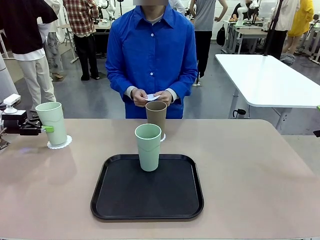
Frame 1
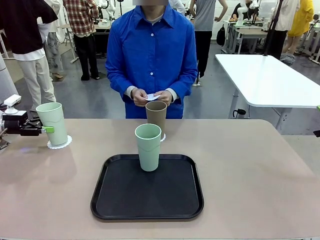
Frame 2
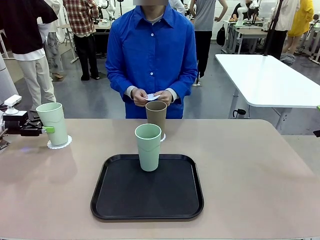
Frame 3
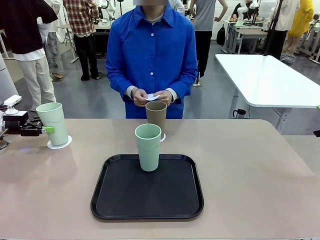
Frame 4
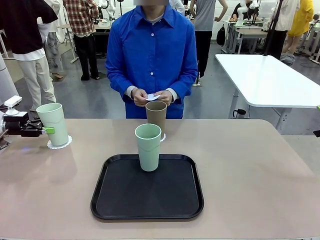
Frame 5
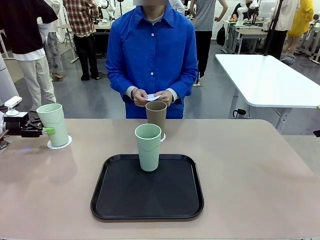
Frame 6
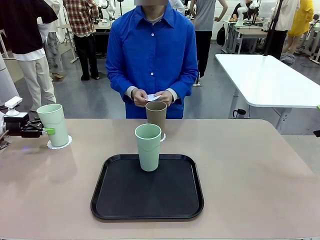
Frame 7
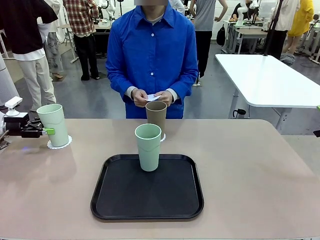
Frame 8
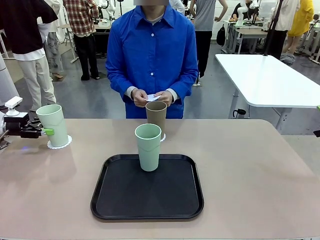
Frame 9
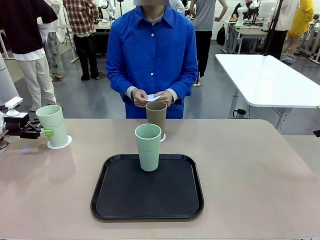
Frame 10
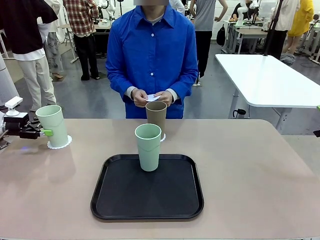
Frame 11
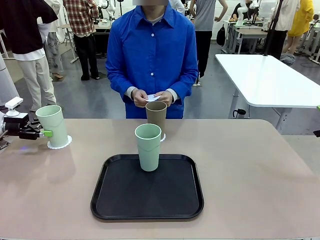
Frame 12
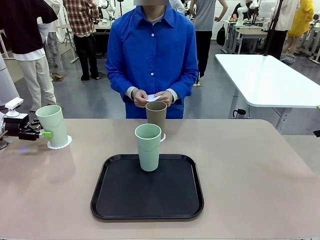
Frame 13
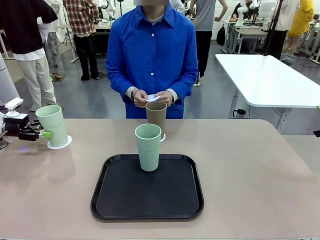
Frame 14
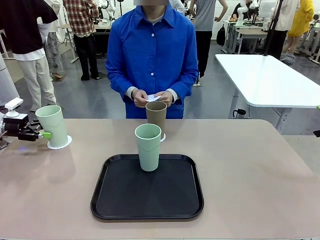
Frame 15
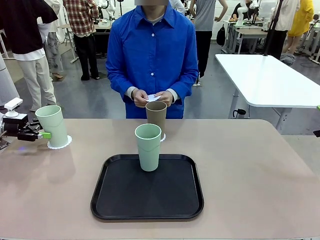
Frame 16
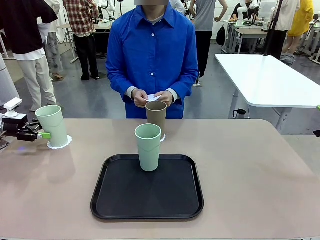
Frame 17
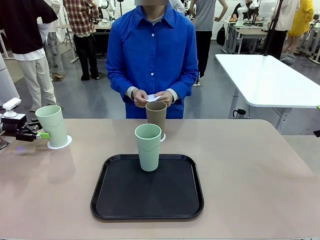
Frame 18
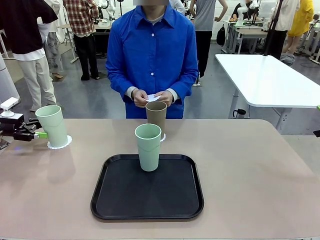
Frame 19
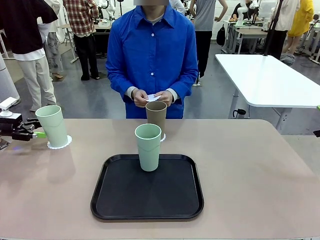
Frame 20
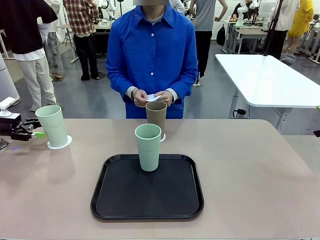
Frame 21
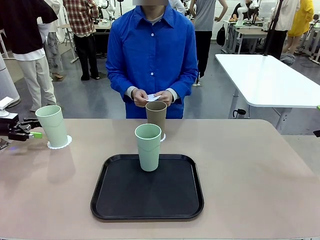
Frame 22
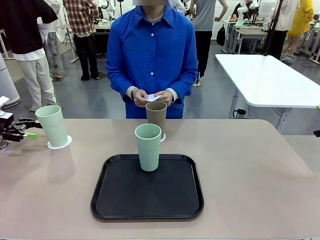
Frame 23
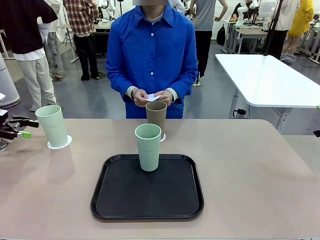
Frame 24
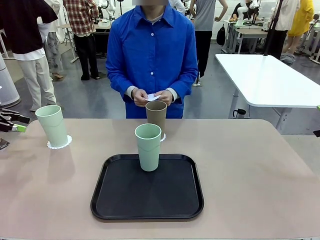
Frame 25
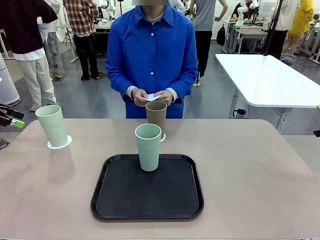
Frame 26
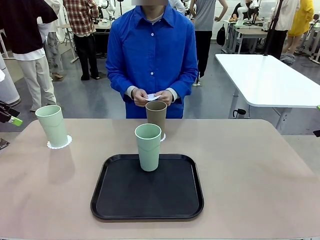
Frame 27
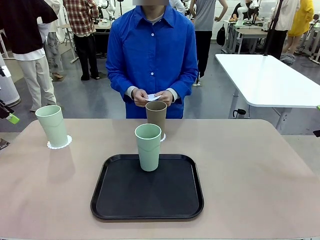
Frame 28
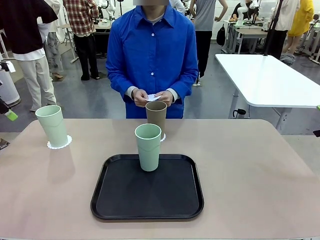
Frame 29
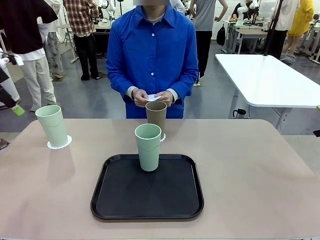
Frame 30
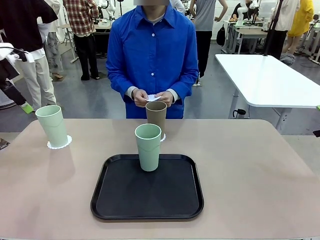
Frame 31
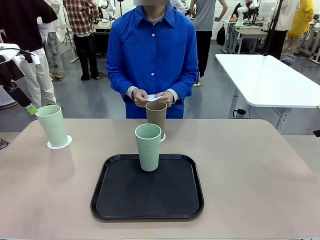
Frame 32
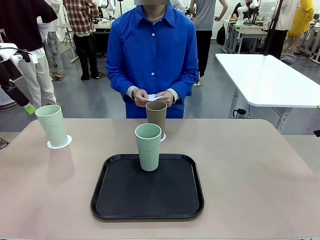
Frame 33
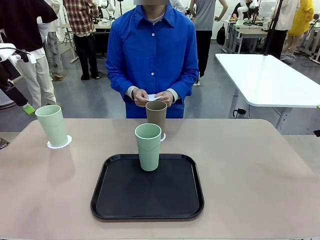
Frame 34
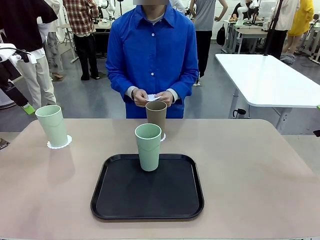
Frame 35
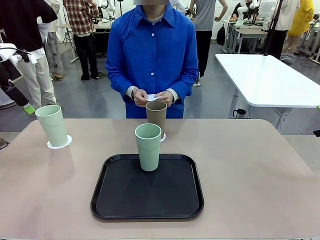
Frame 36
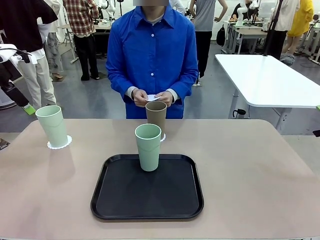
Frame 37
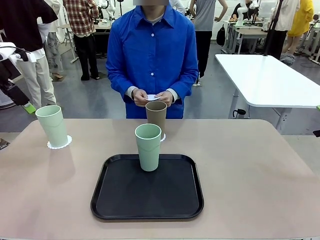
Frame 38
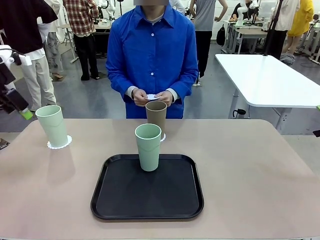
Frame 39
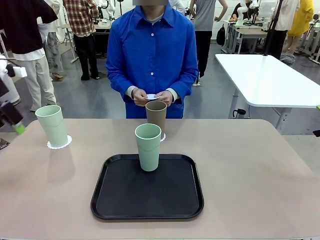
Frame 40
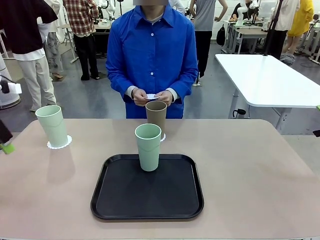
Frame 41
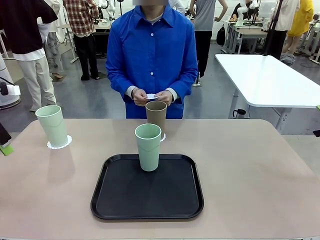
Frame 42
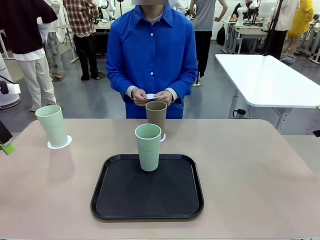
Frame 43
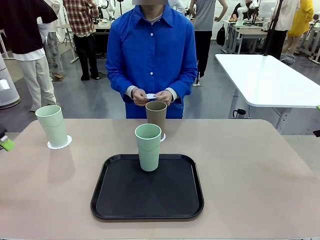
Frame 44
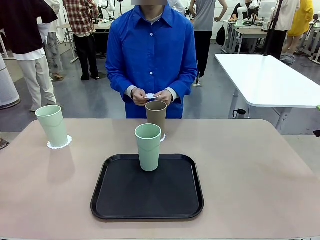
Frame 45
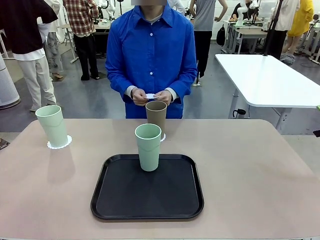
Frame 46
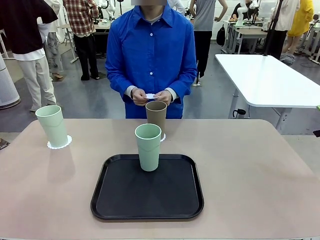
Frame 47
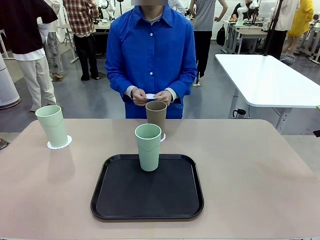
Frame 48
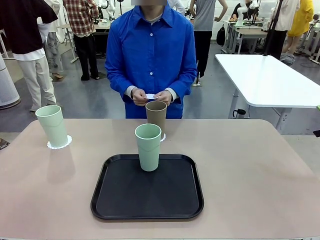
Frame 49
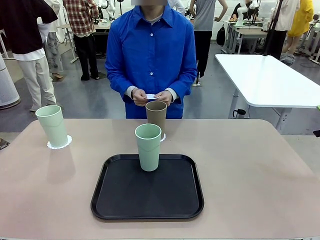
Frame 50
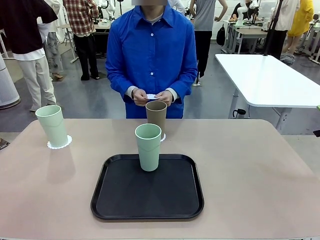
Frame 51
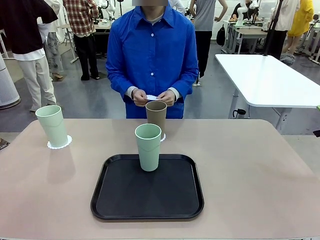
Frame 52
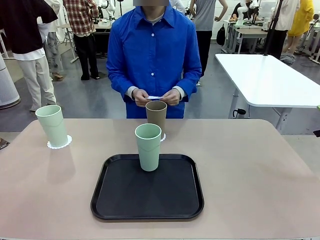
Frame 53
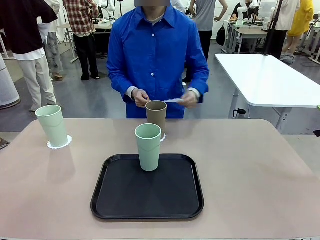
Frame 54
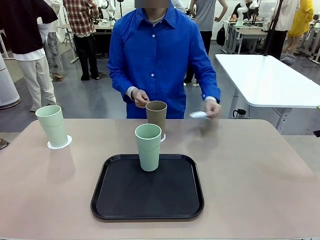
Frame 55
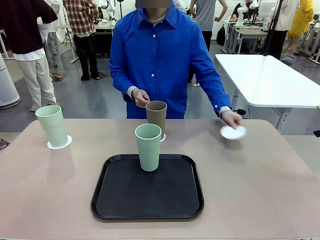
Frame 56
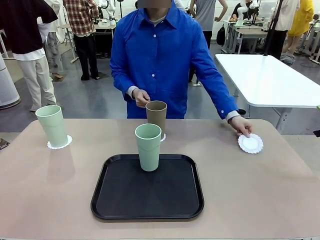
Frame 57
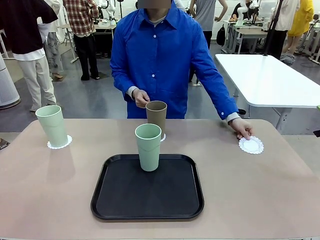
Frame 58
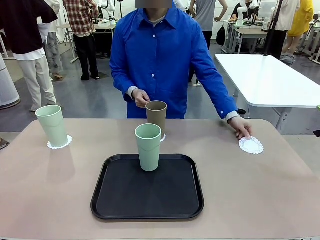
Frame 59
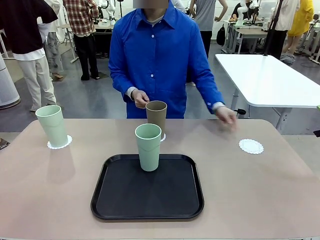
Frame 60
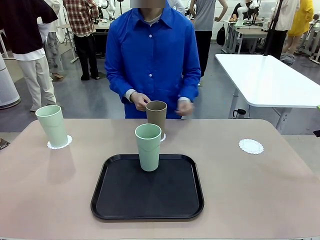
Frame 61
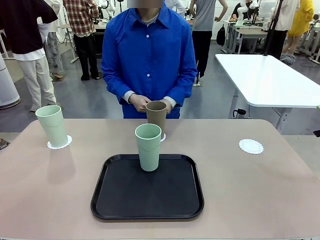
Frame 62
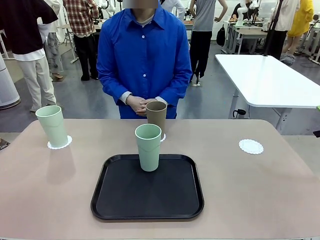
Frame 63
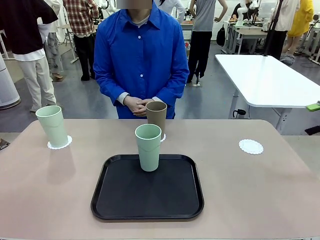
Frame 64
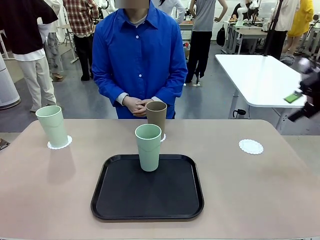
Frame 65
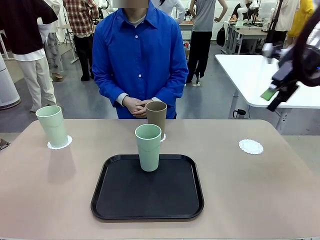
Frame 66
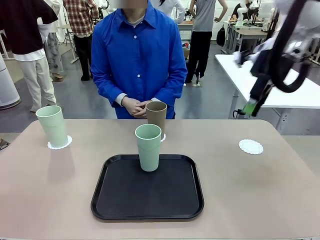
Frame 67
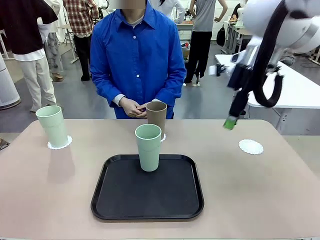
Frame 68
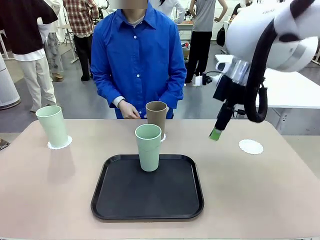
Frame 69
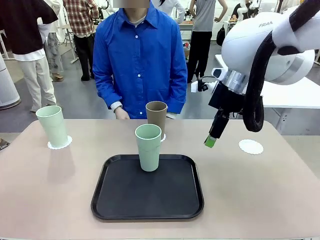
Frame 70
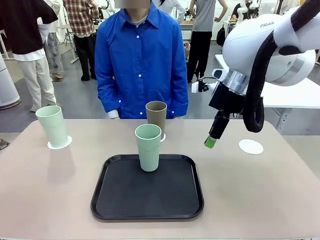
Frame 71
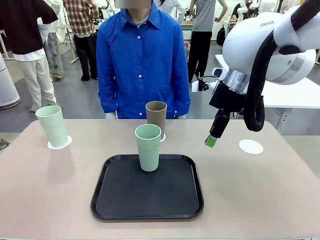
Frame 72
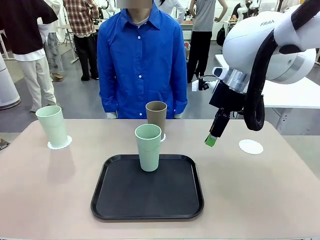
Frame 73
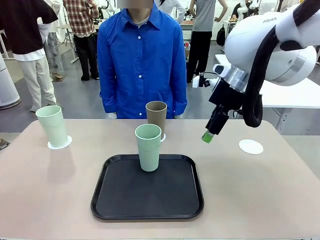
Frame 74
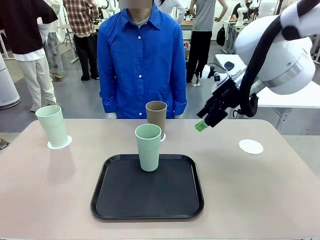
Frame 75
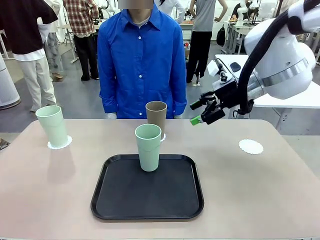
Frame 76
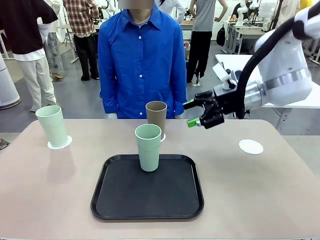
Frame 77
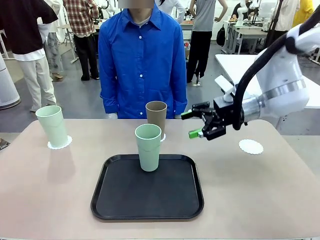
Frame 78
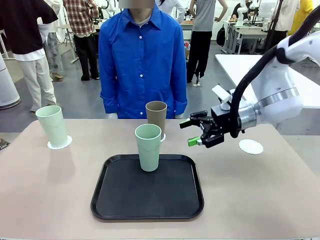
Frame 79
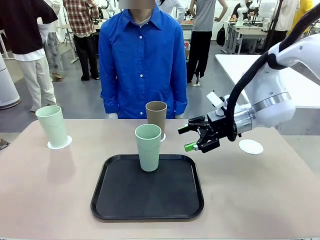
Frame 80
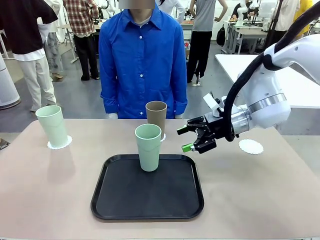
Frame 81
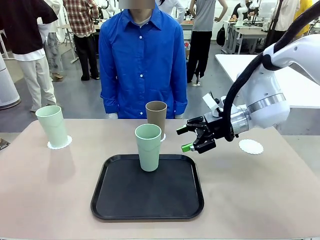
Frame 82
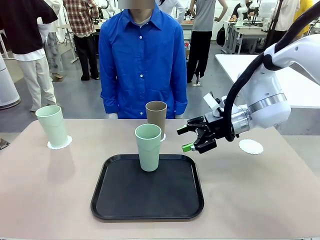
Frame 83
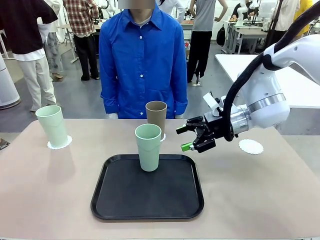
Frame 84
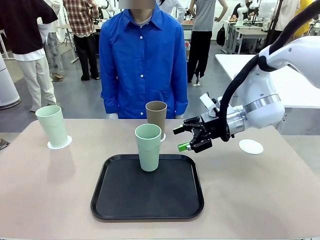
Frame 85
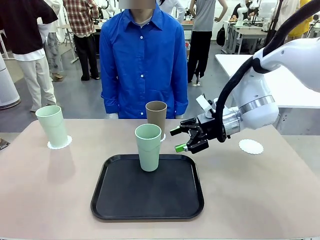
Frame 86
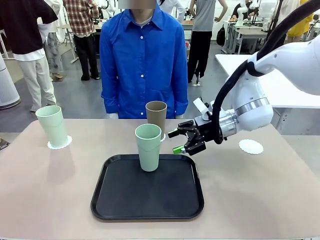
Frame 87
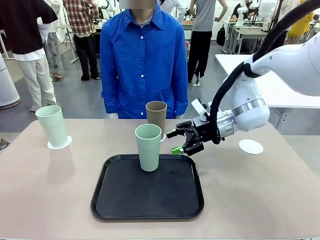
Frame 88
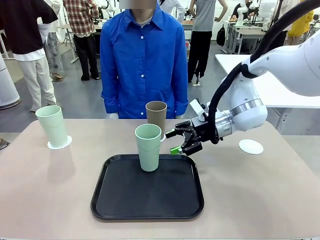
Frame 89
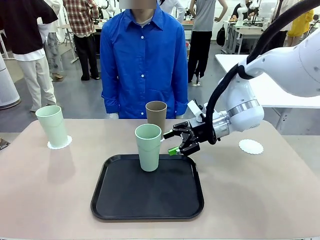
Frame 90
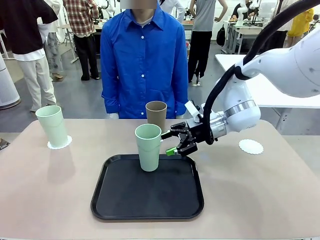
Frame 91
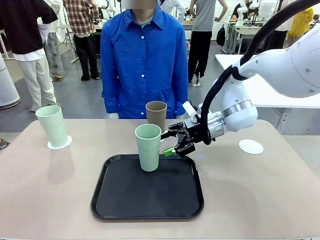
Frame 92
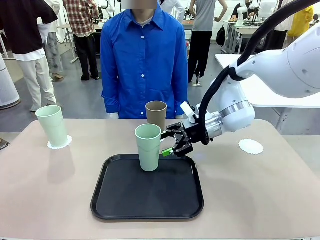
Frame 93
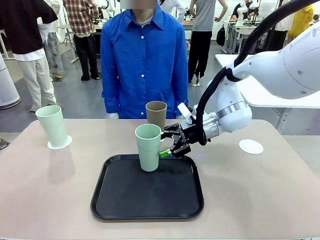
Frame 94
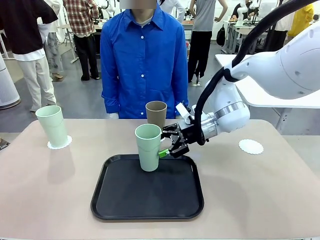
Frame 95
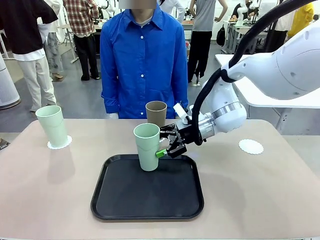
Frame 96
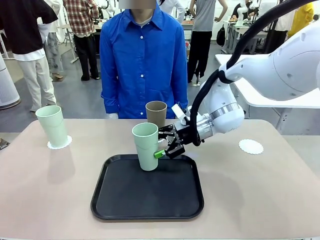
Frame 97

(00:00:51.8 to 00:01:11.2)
Task: Place coasters on the table and set cups on them.
Robot: Take one Reusable plastic cup from the Flat Tray and place it on a coaster set by the human.
